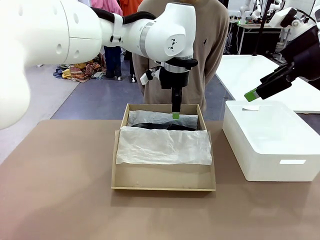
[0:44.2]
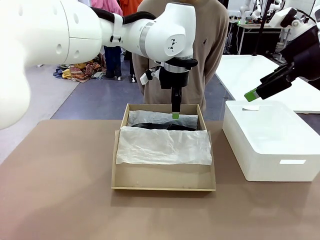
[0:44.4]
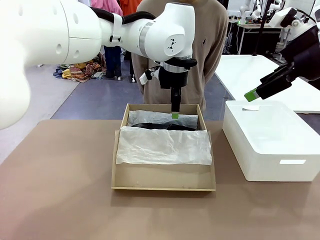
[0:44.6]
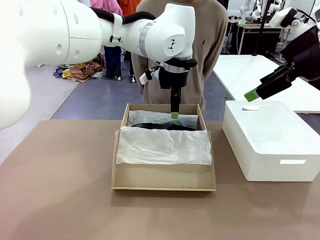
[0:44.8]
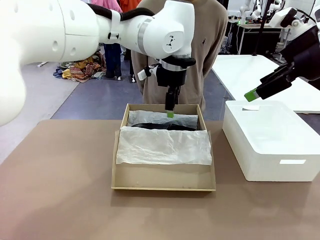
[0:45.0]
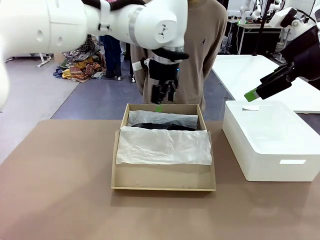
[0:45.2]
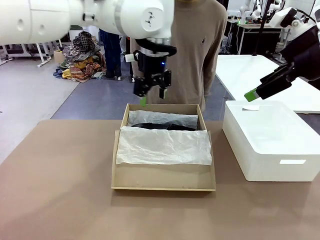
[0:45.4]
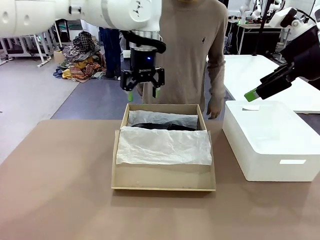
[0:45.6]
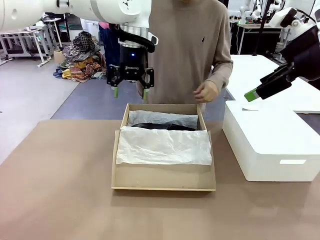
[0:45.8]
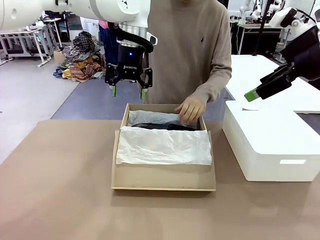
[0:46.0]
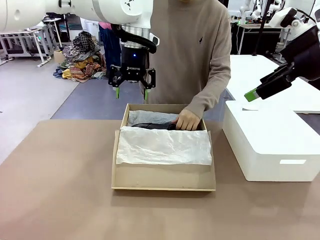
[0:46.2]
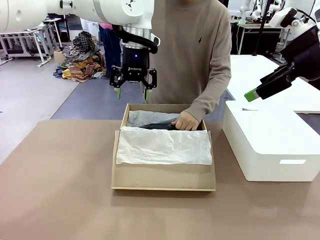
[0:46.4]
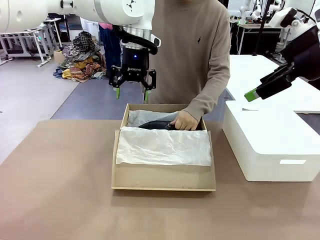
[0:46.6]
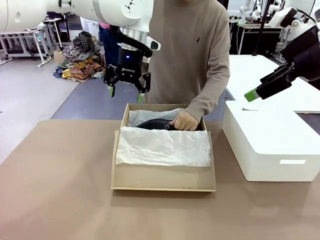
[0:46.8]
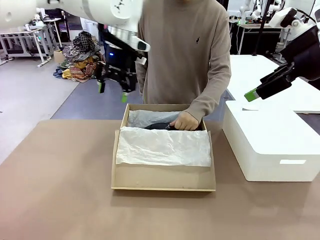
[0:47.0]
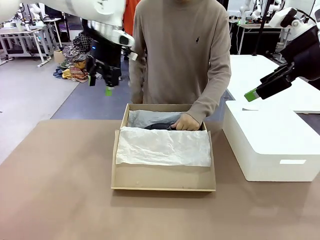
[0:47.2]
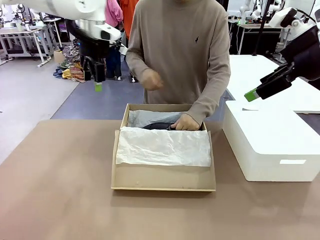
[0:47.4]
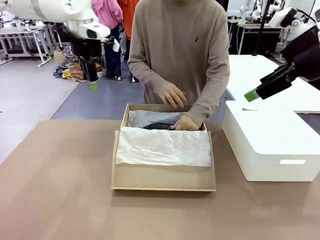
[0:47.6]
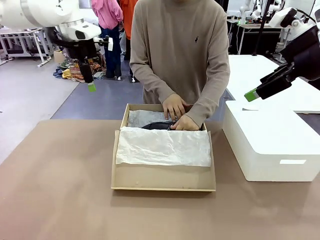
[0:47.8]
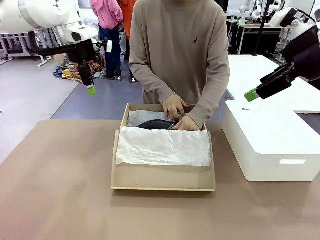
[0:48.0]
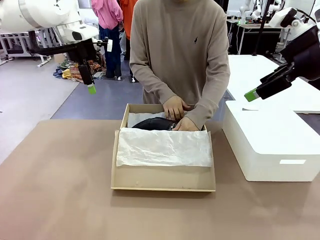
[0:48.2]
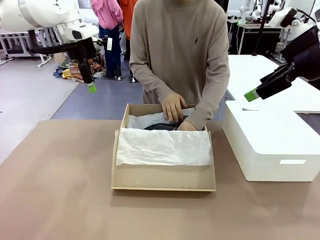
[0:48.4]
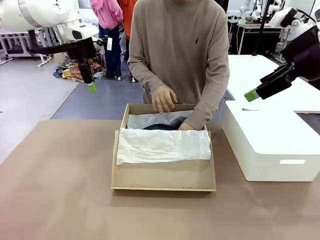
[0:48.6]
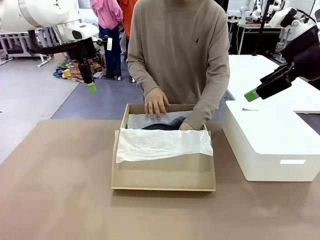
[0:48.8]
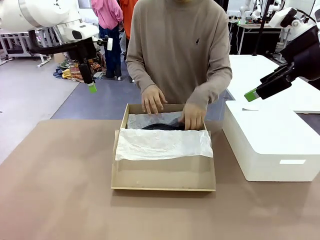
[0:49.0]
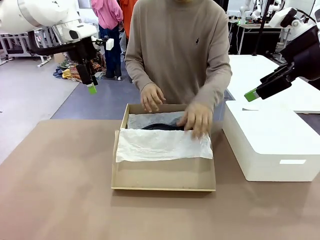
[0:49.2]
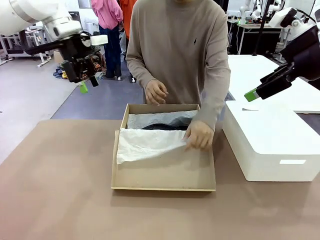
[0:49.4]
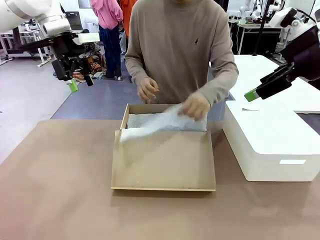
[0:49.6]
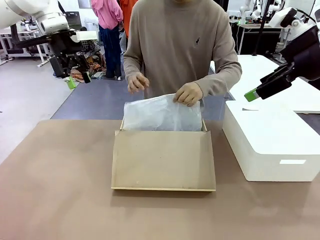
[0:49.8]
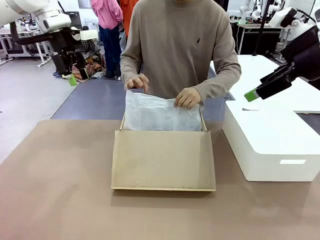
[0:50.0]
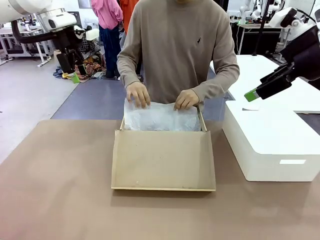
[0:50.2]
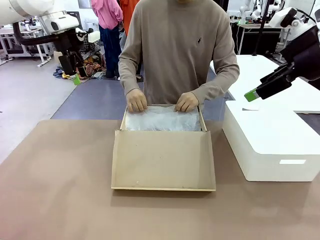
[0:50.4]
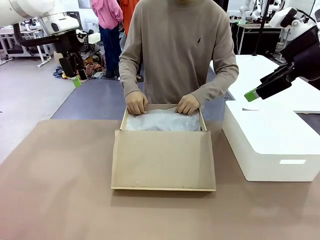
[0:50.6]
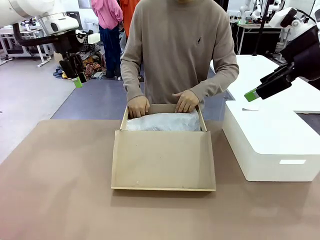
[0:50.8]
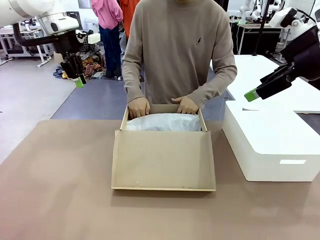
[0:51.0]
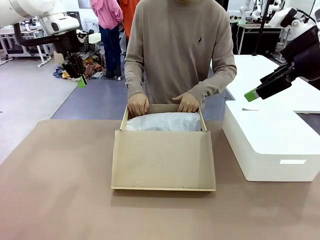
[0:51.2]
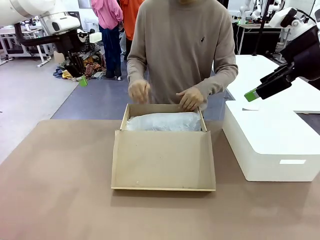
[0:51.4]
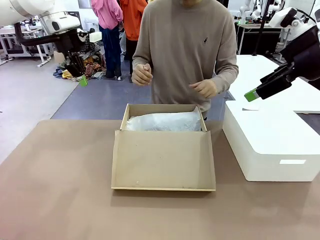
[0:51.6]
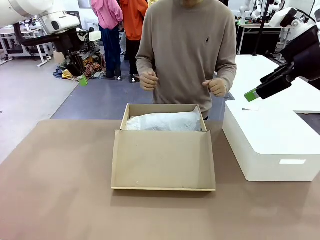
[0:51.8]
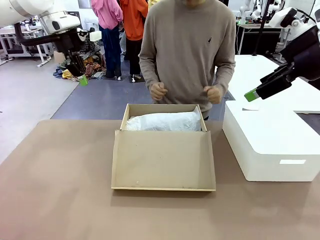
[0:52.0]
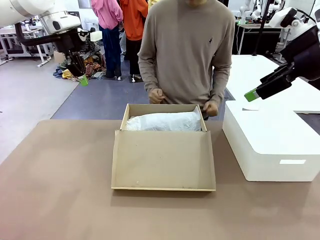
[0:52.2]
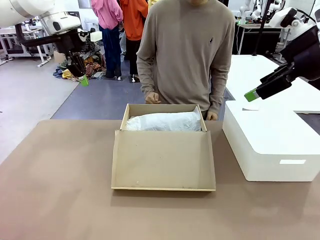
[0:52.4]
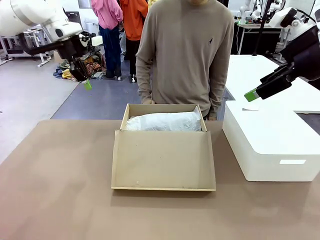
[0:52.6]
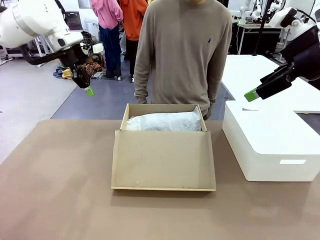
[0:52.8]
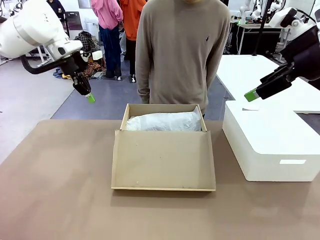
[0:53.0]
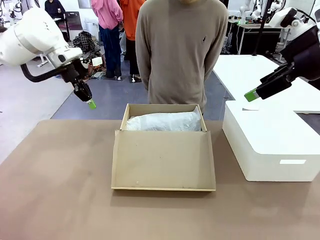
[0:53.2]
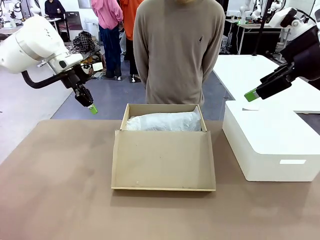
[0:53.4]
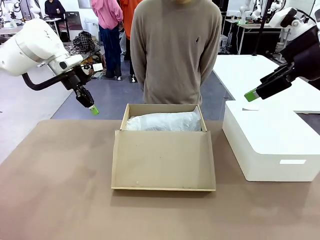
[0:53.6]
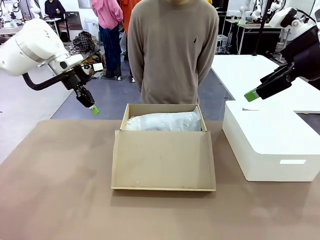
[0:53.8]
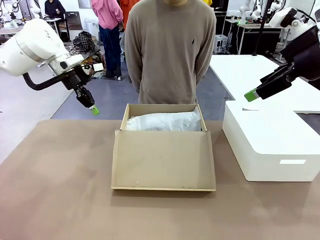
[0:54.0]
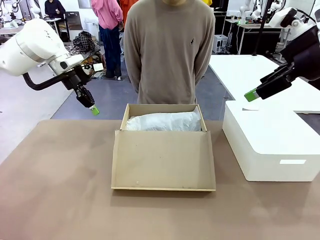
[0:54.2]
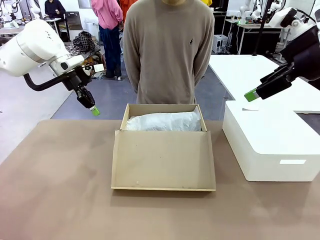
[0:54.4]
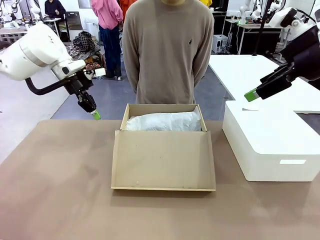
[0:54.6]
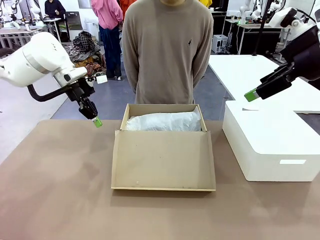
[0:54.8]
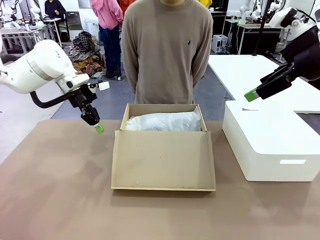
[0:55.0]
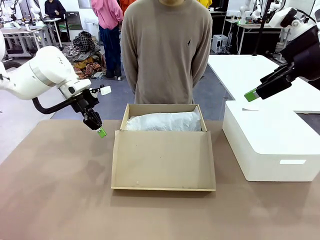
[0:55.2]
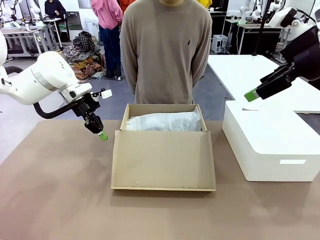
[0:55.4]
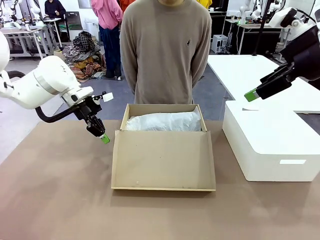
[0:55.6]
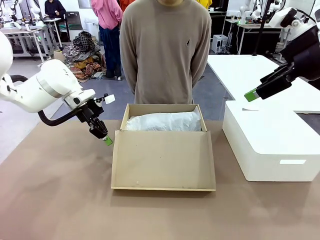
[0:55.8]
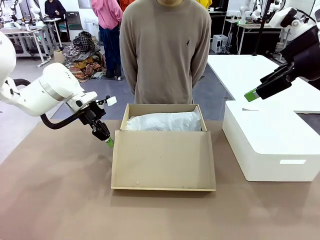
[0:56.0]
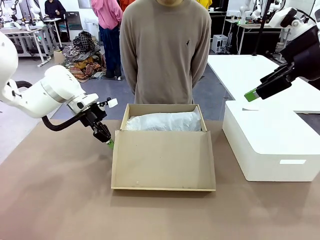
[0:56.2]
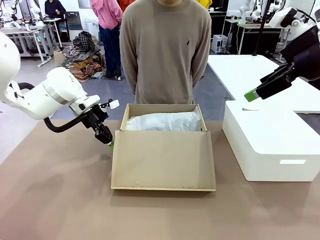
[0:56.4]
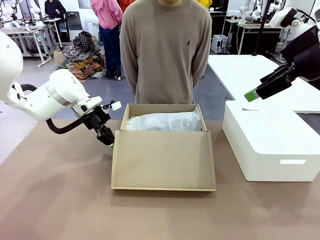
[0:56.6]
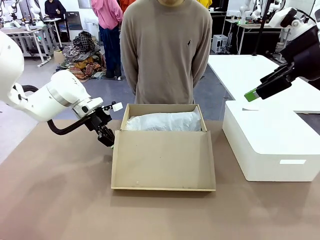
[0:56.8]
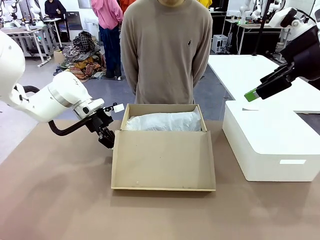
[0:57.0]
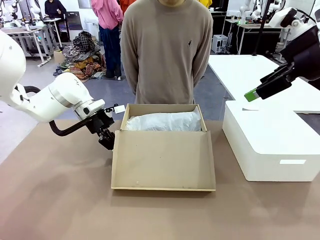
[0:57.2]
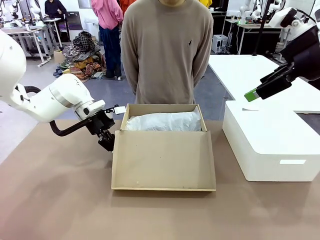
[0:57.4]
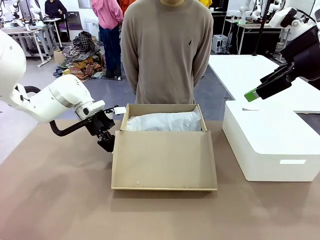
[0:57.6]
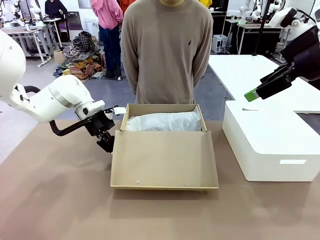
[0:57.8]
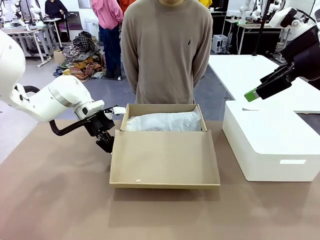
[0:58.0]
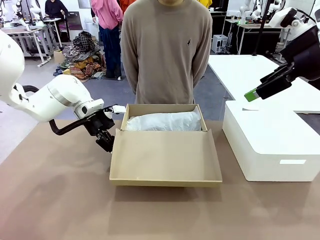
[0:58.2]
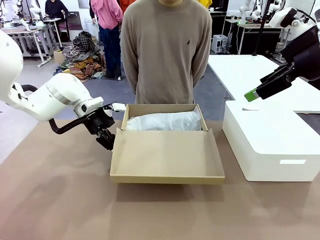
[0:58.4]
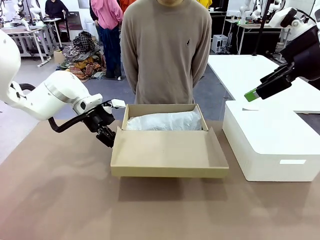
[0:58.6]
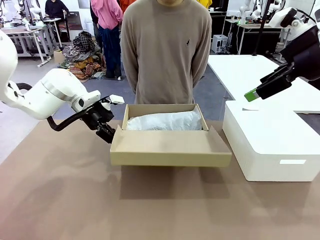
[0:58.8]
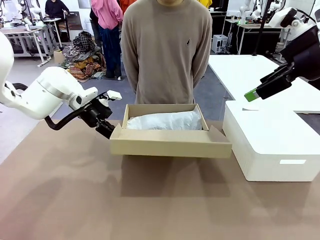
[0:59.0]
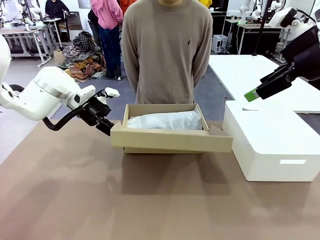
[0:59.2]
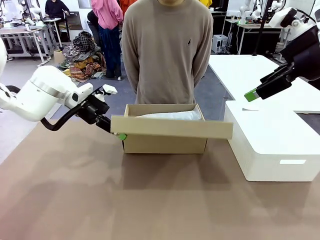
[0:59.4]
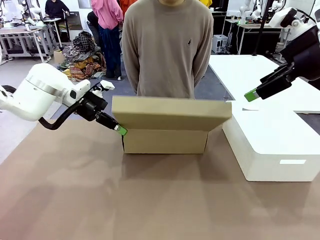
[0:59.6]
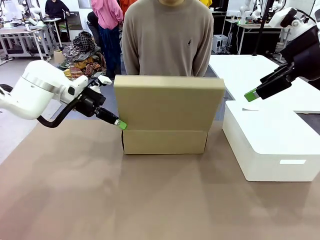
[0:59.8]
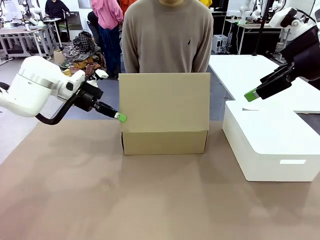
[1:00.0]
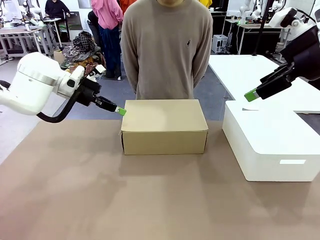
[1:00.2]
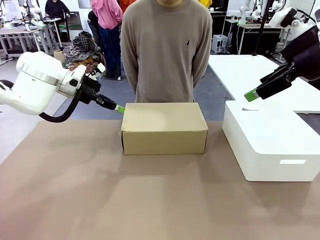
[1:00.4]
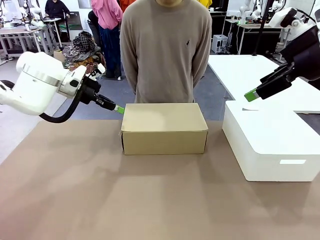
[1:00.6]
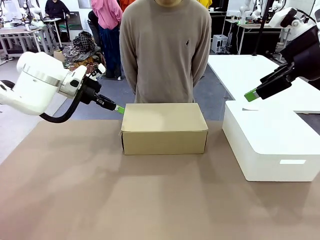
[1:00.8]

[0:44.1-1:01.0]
Task: Pack the shoes into the box.
Robot: Close the Shoes Box.
